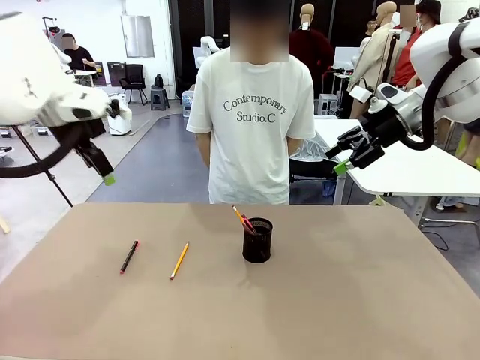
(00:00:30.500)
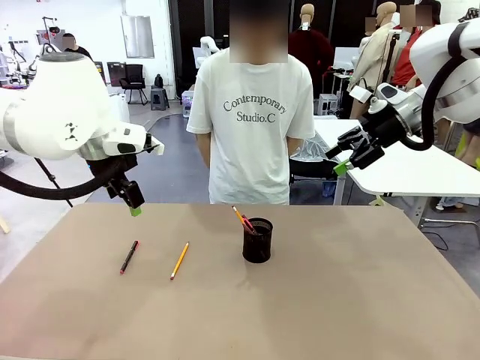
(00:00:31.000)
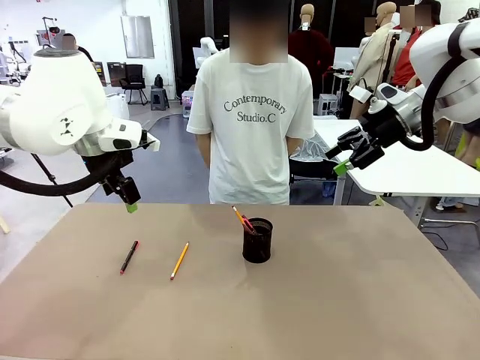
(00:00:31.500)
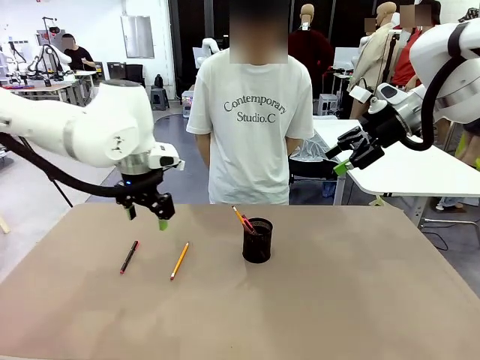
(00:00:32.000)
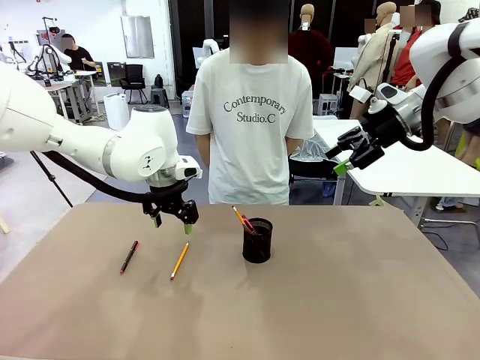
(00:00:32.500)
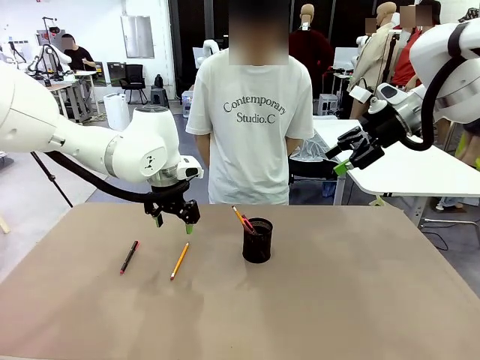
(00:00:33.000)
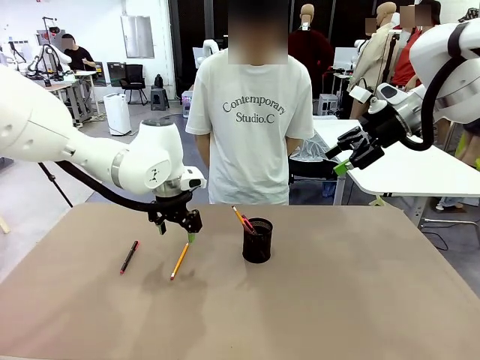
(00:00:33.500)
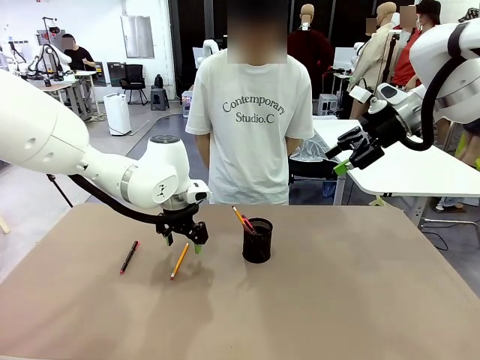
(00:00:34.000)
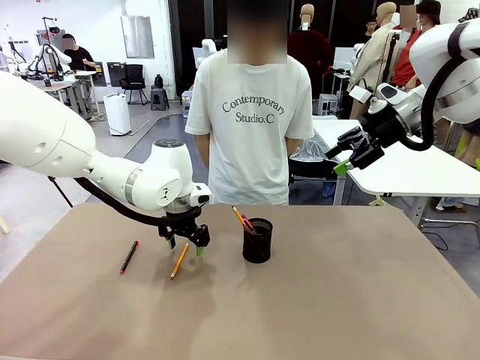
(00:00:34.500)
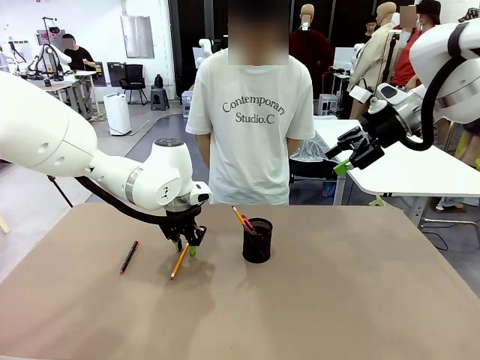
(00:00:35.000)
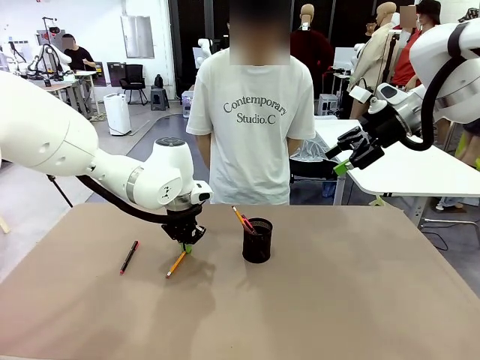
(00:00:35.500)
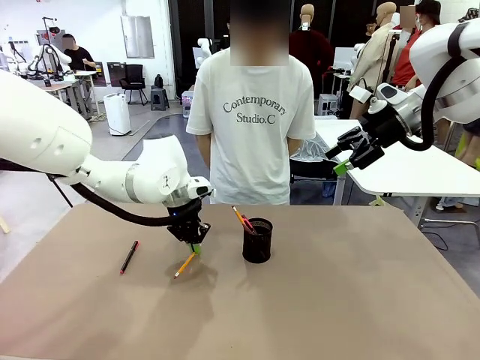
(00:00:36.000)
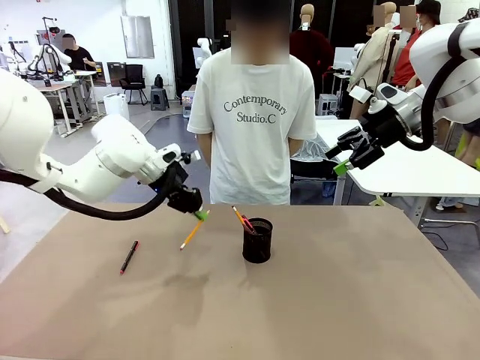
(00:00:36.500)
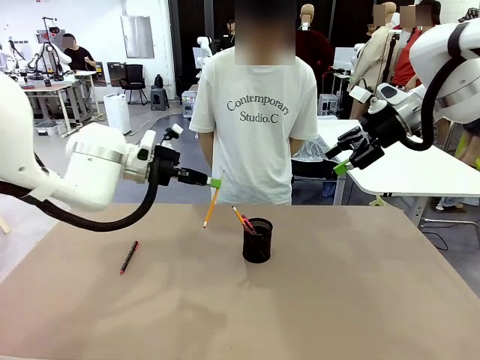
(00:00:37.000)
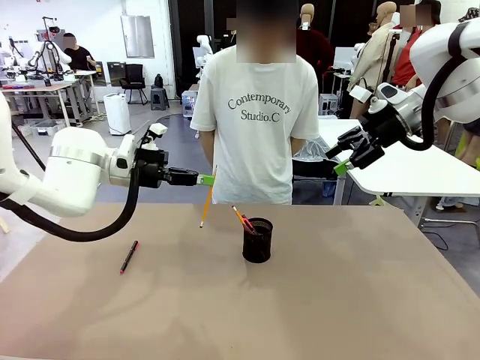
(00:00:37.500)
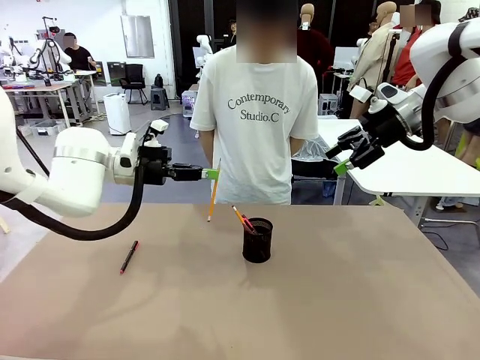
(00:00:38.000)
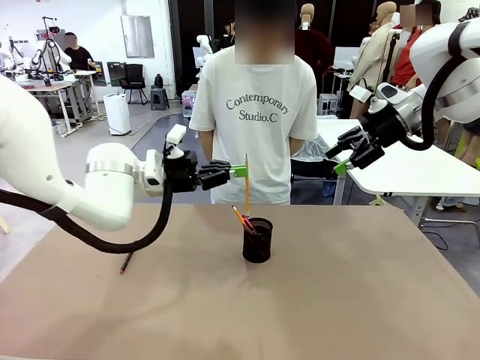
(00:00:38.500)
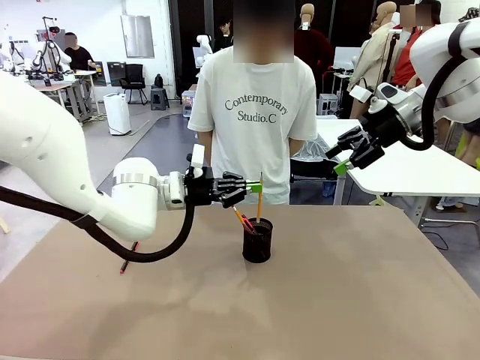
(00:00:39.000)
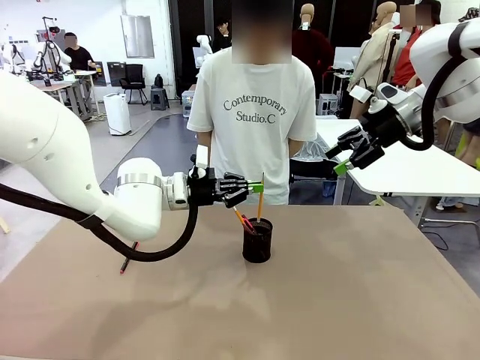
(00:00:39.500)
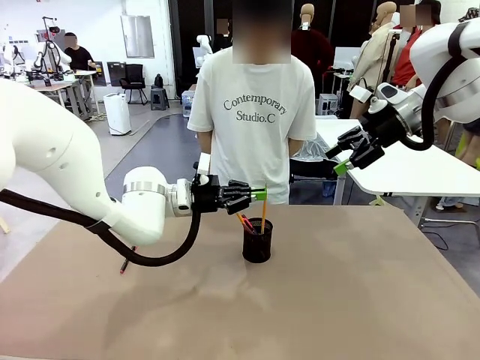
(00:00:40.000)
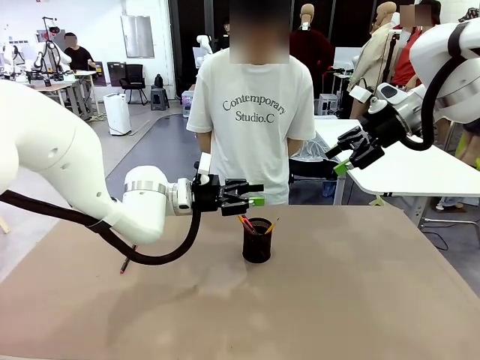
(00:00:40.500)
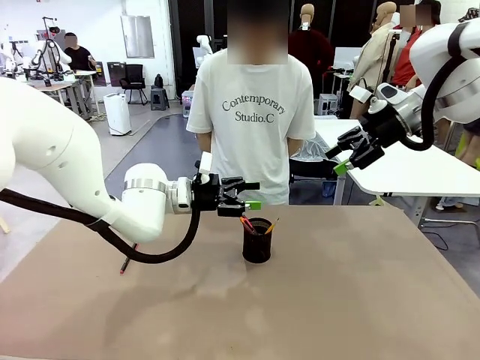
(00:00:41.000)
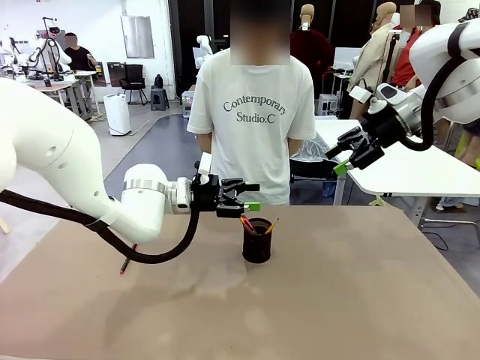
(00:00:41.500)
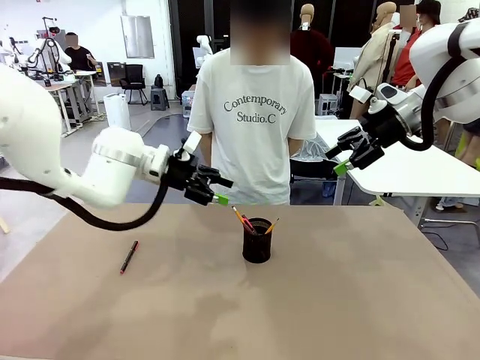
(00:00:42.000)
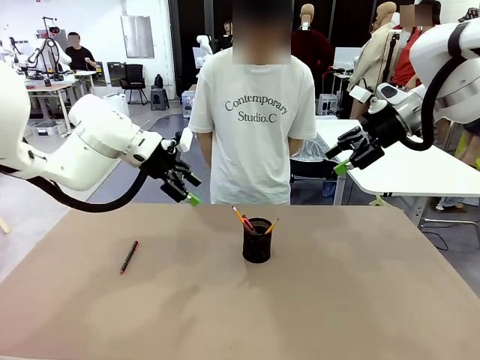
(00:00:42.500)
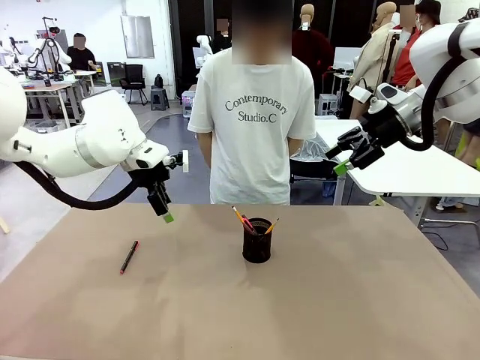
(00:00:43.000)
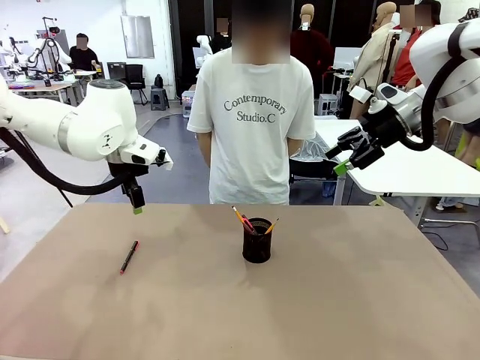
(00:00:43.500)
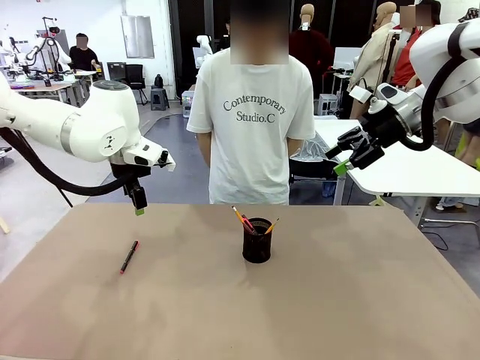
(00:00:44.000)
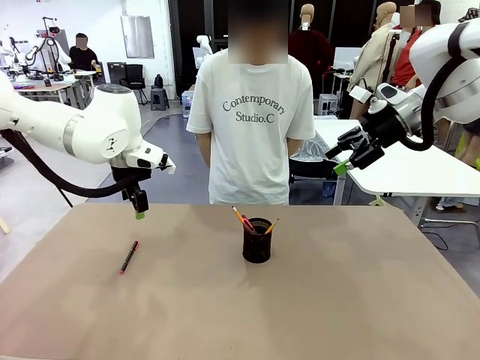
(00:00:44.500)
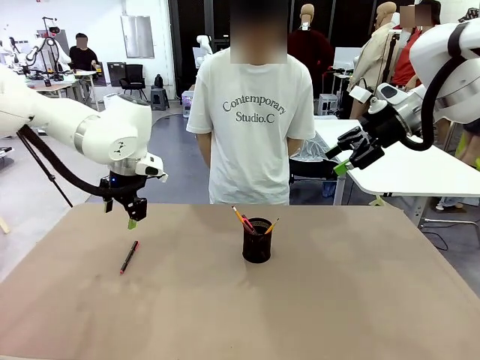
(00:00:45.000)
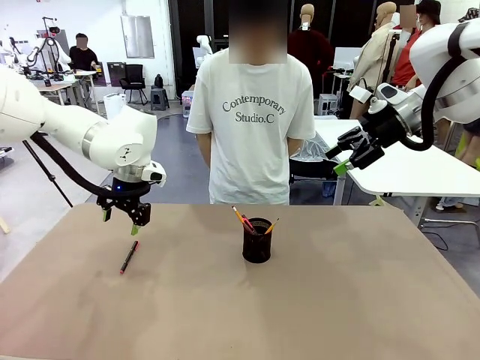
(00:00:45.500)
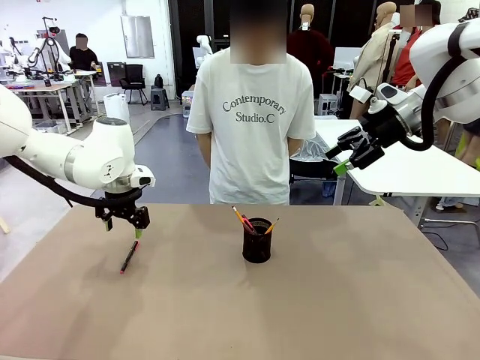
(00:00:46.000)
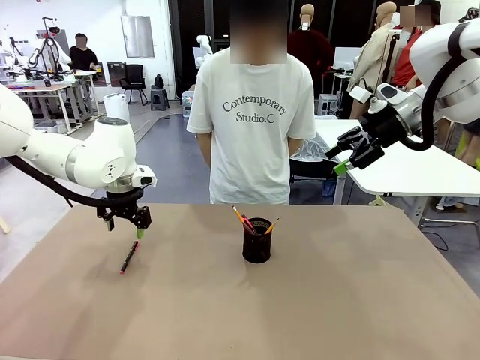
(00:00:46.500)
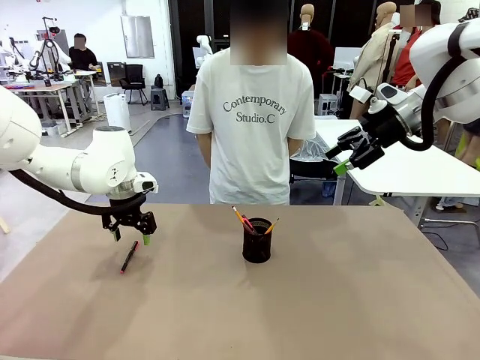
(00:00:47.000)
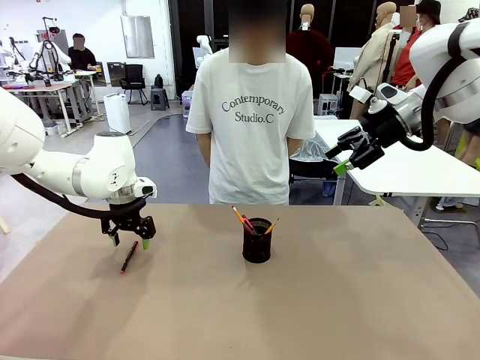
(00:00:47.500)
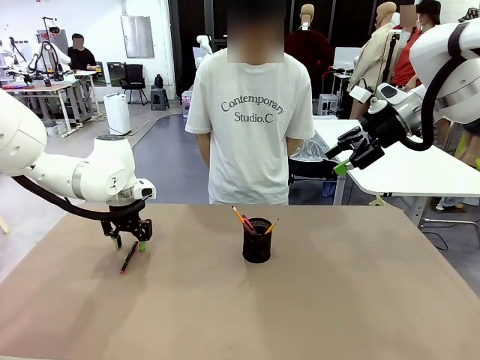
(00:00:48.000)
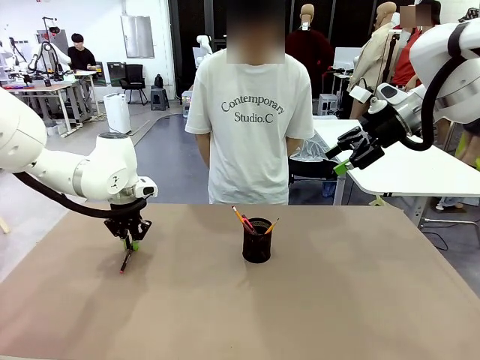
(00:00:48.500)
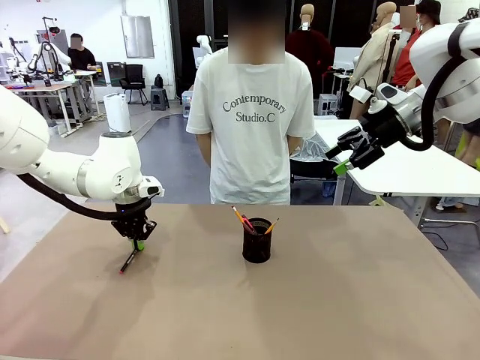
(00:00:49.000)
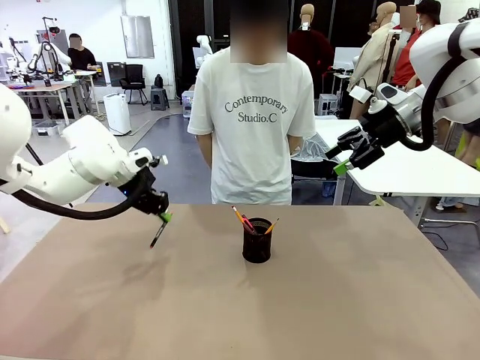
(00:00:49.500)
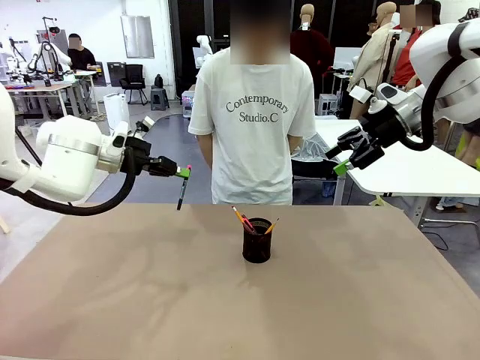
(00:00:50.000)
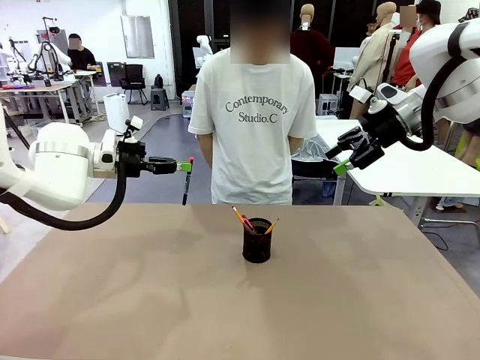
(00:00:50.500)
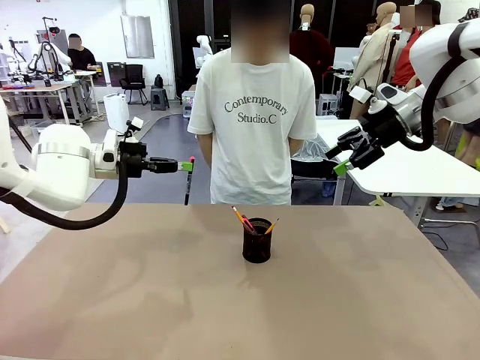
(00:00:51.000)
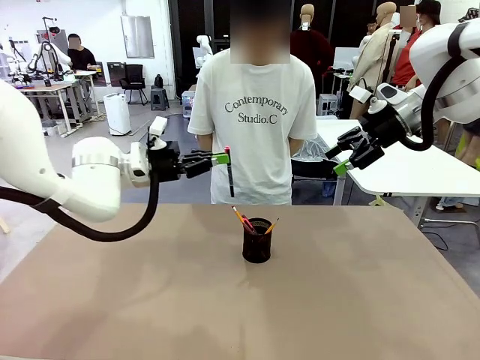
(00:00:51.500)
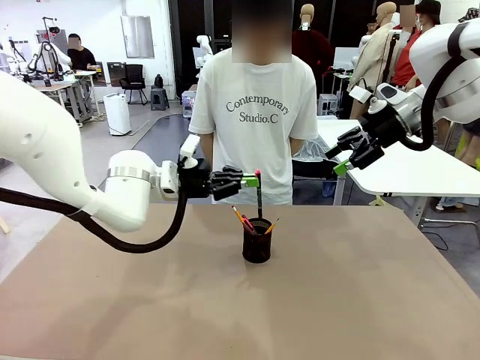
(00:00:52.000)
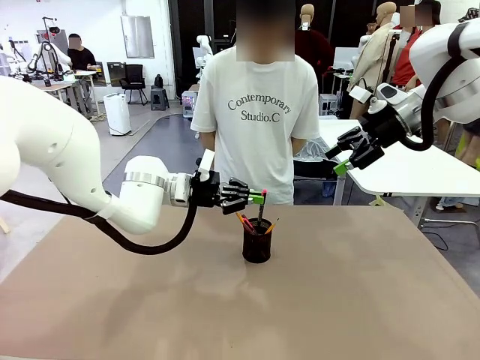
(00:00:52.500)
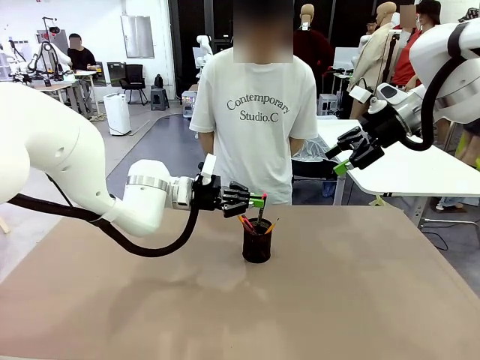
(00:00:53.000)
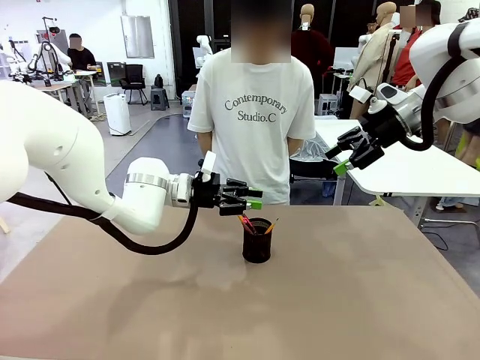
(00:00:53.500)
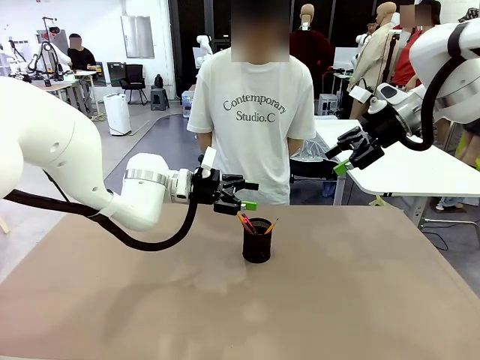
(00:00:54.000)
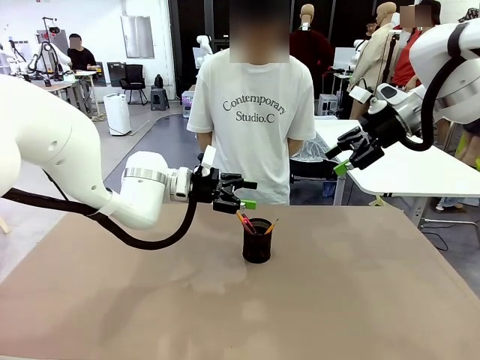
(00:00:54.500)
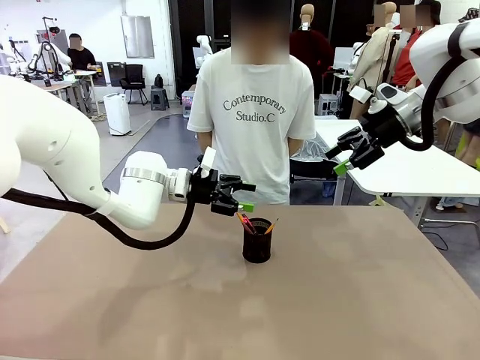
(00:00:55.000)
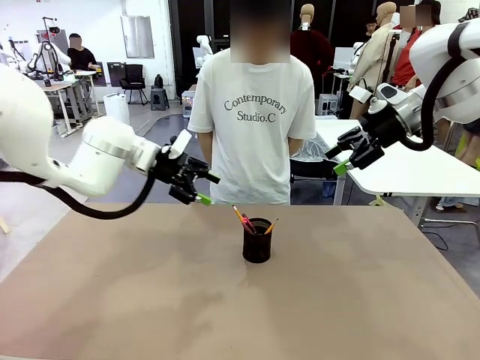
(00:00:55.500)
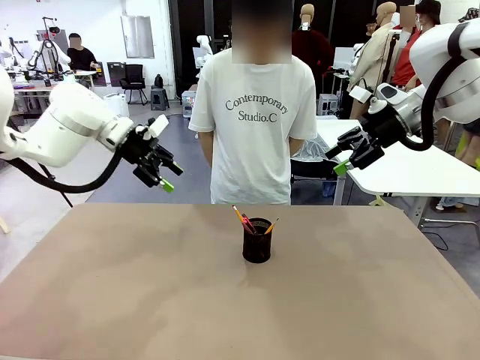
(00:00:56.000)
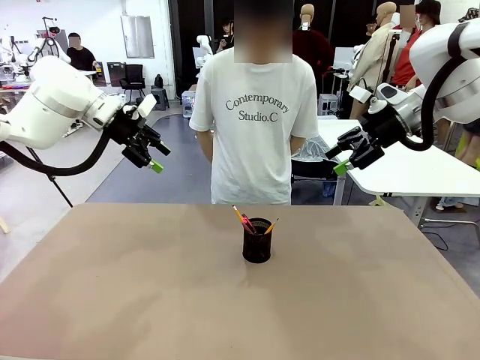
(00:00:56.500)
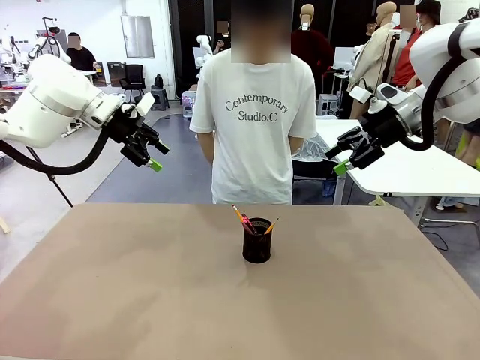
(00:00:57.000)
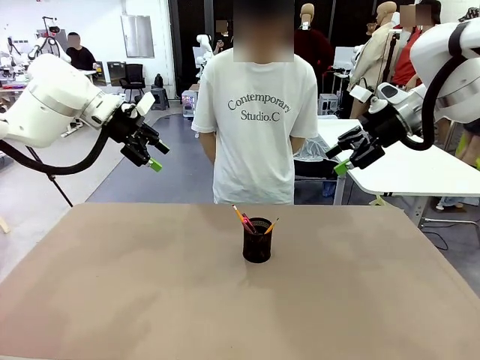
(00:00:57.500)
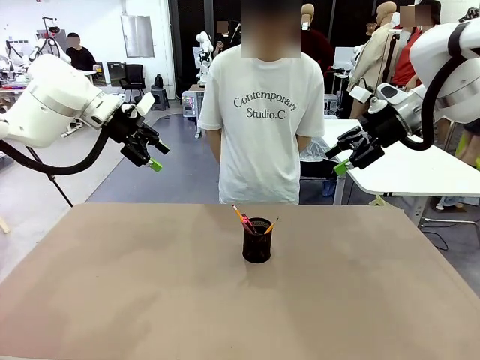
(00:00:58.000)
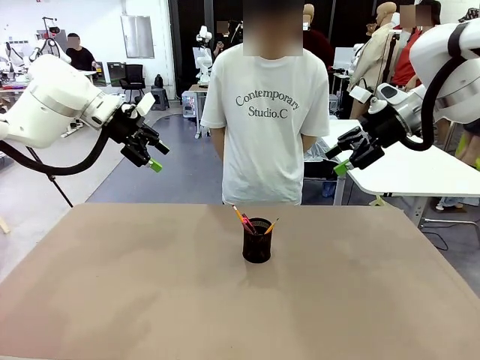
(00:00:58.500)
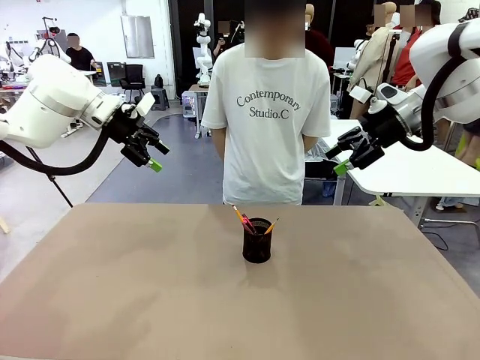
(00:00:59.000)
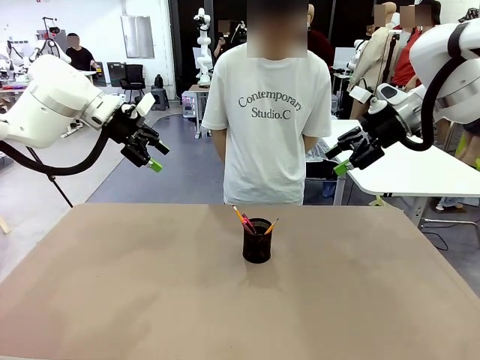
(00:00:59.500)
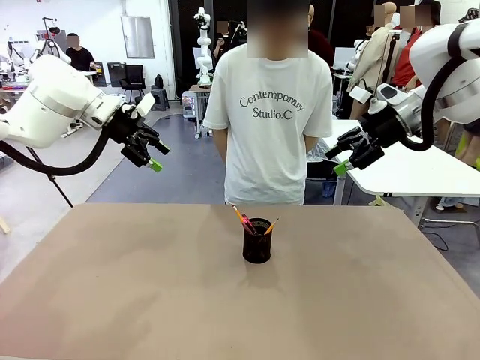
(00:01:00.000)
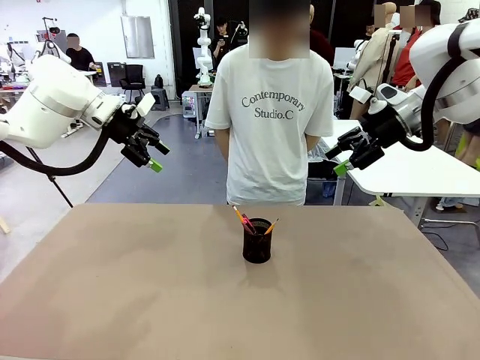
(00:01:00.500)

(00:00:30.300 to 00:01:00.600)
Task: Place the pens into the pen holder.
Robot: Pick up a writing instrument from the table and place it into the Pen holder.
Person: Place all writing instrument into the Pen holder.
